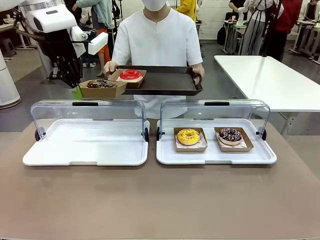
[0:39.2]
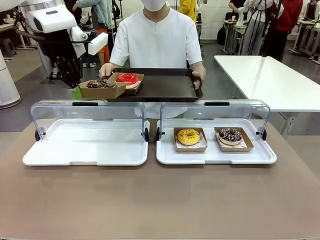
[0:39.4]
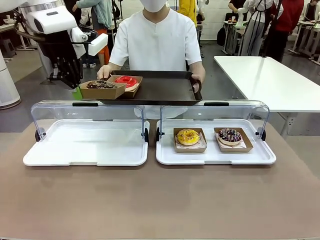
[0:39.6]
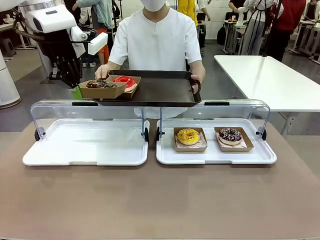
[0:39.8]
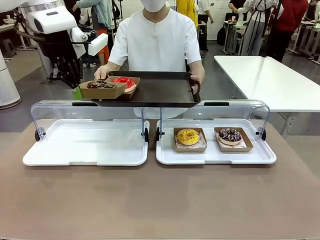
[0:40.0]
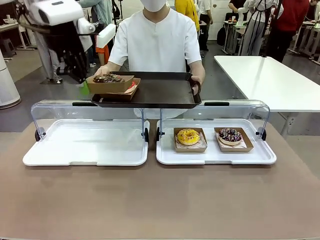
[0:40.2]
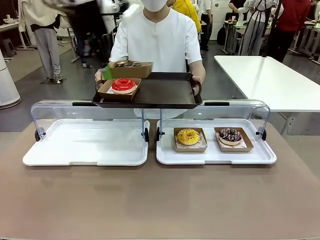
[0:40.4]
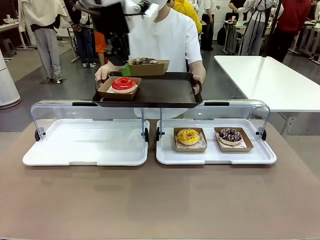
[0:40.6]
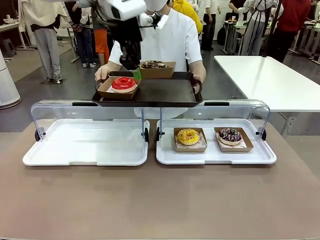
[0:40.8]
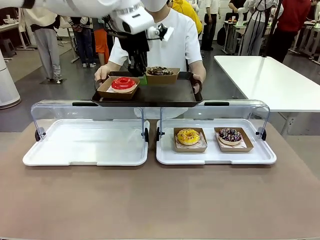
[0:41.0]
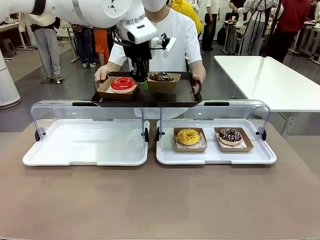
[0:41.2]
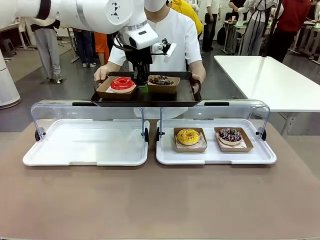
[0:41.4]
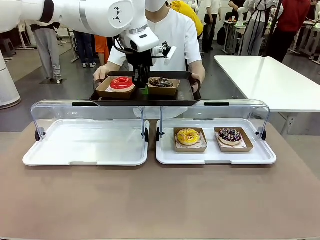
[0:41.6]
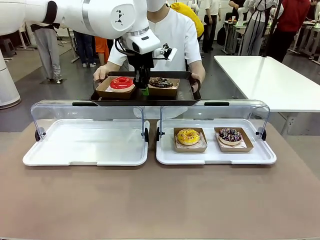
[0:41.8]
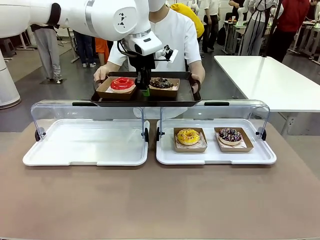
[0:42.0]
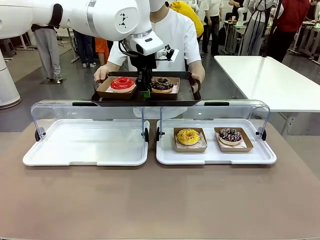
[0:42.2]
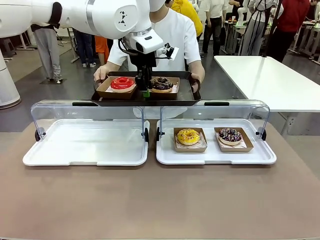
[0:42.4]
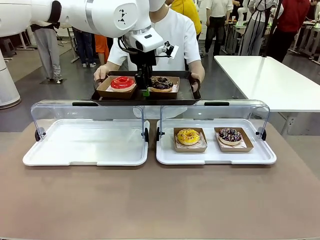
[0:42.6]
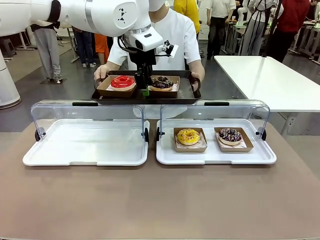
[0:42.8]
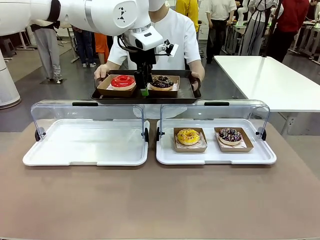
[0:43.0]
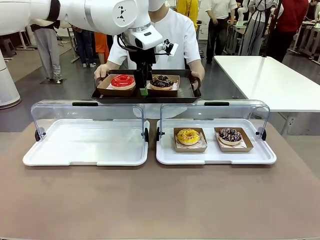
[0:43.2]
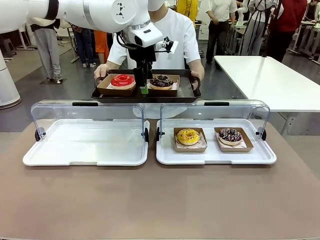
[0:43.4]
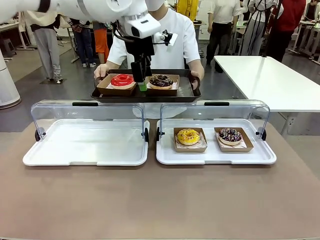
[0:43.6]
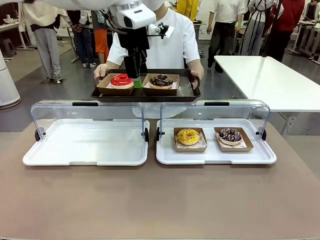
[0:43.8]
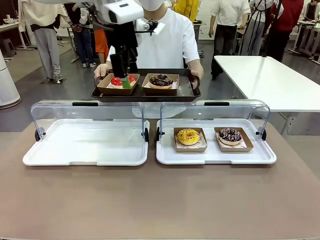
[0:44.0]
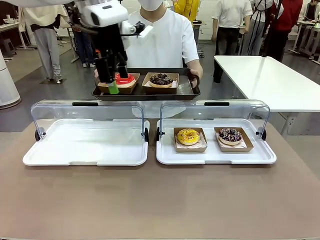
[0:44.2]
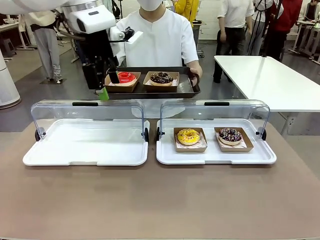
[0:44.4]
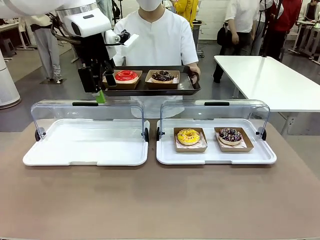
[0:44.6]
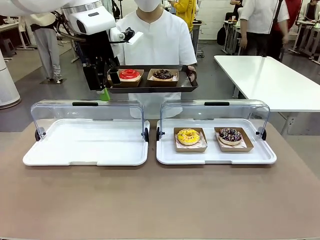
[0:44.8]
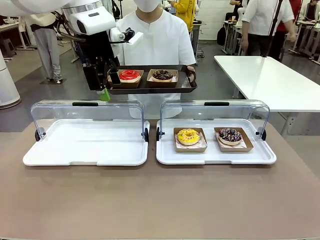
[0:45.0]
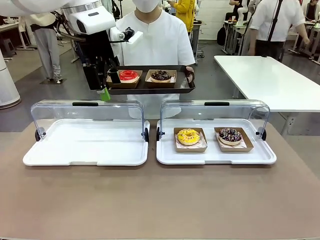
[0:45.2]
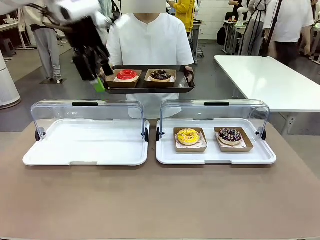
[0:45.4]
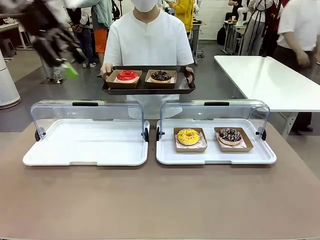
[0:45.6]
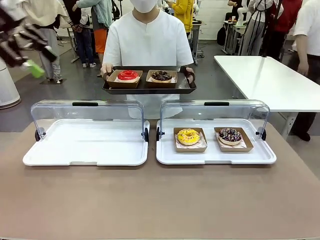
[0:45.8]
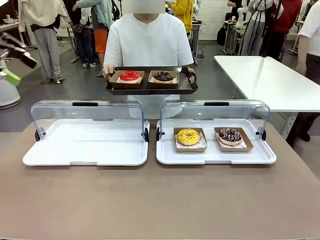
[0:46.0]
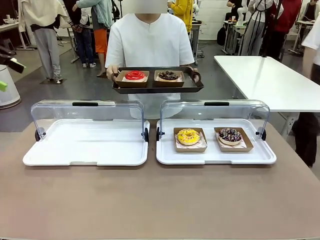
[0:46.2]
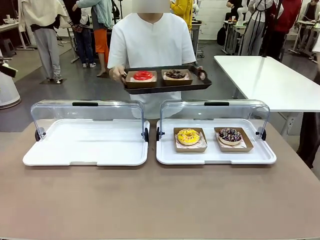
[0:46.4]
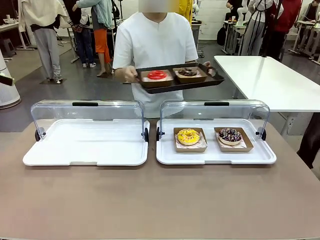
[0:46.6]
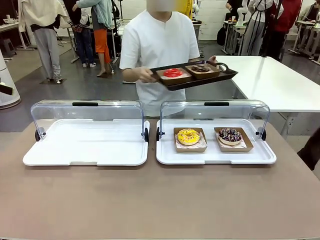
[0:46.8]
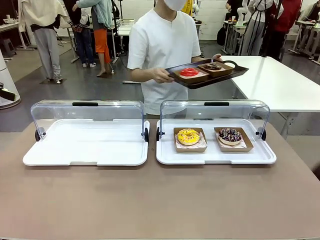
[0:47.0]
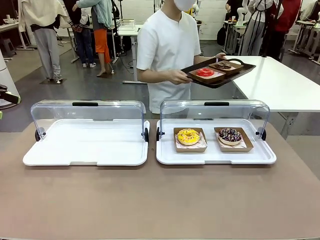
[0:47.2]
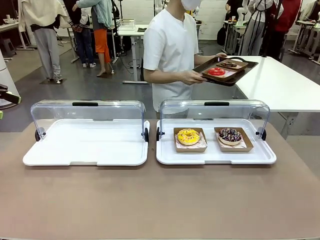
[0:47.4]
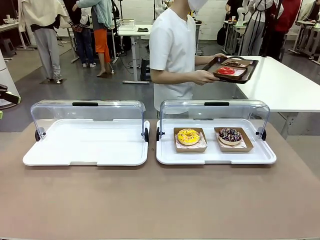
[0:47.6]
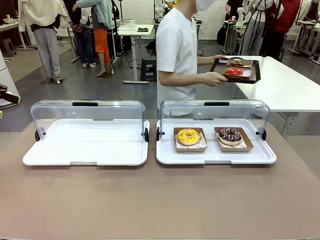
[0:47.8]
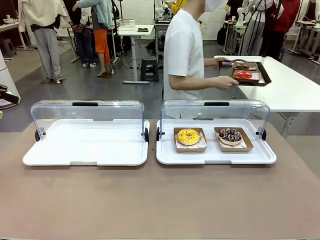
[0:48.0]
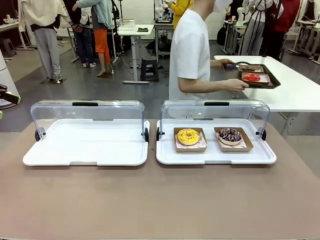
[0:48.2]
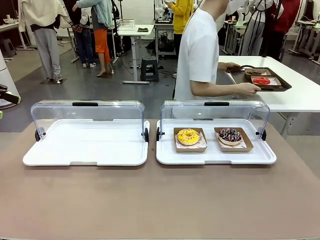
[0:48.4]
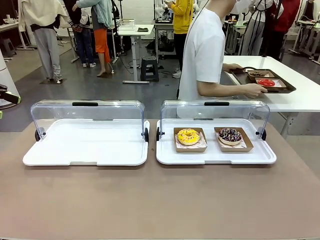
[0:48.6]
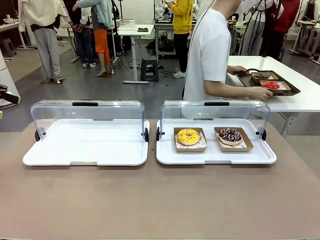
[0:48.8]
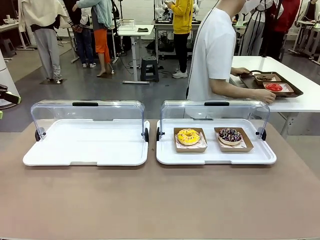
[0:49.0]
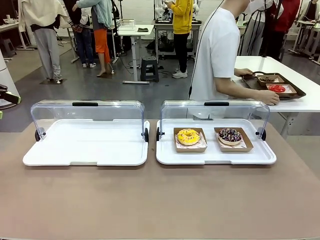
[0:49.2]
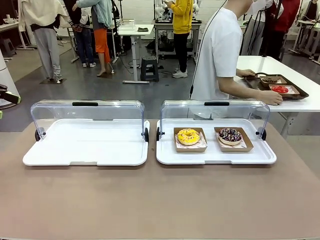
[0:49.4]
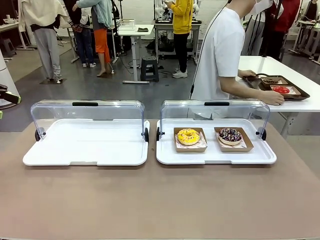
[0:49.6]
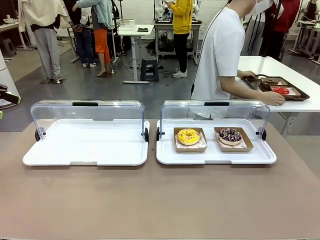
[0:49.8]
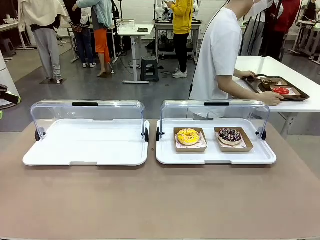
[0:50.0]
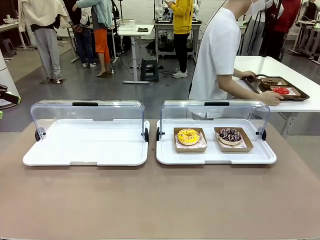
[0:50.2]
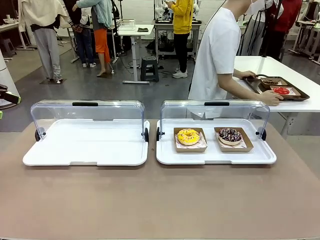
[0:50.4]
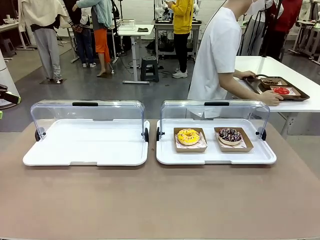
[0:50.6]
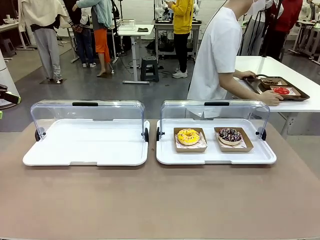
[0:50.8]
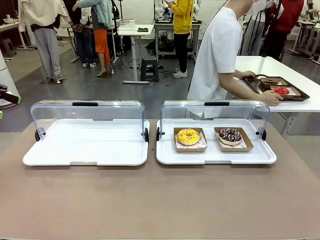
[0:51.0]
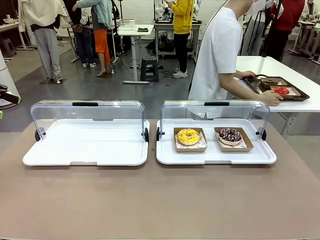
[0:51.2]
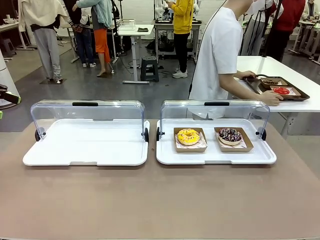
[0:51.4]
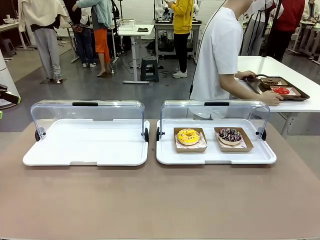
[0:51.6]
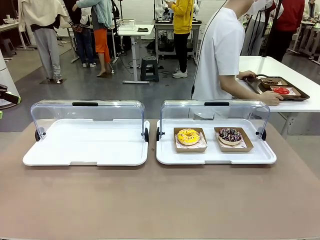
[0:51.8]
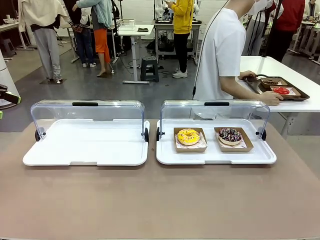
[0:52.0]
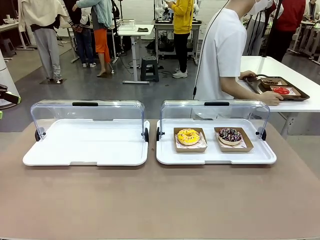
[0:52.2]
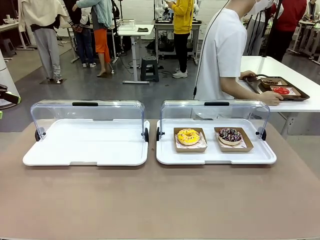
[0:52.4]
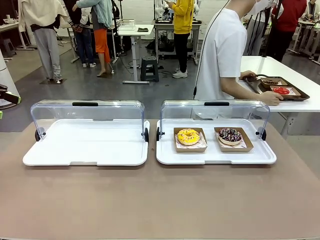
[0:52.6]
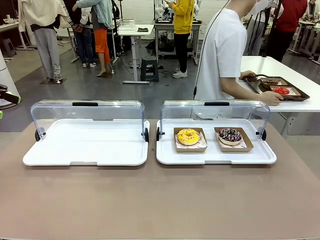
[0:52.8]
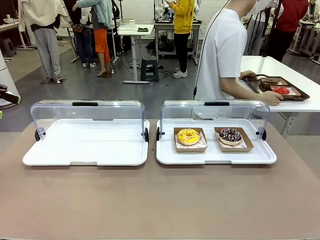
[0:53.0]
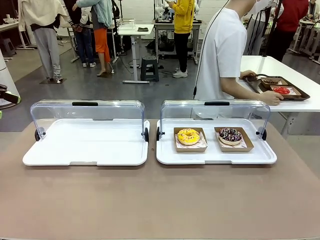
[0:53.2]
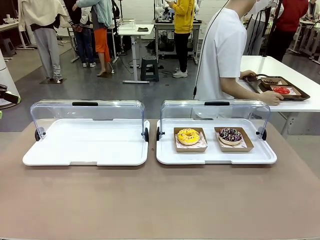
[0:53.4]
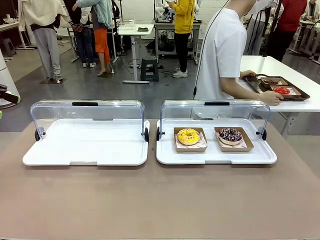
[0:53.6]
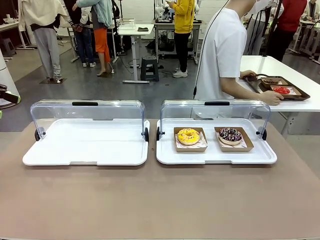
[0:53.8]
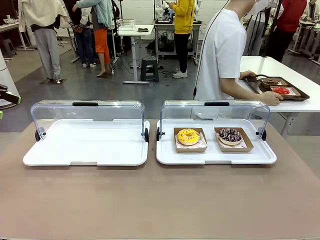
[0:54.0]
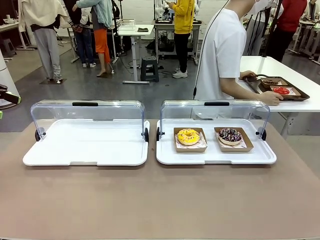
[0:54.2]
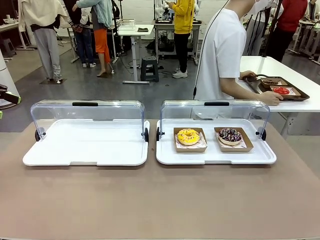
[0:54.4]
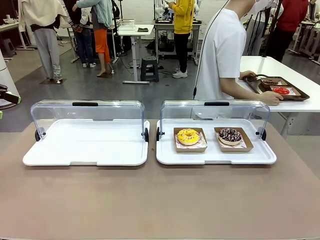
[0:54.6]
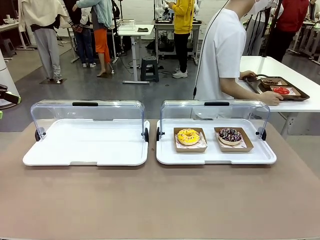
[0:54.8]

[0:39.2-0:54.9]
Task: Provide the desired donut to the person.
Robot: Place the picked Paper togo box onto the Handle tray extended by the person.
Person: Place the tray in the middle of the human table.

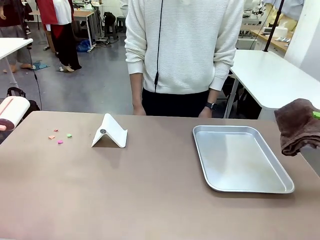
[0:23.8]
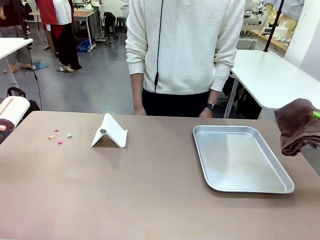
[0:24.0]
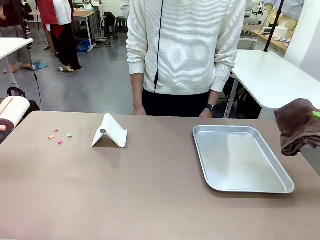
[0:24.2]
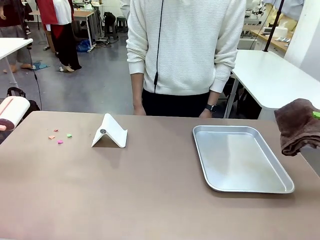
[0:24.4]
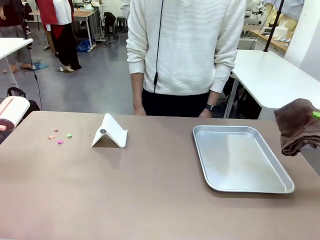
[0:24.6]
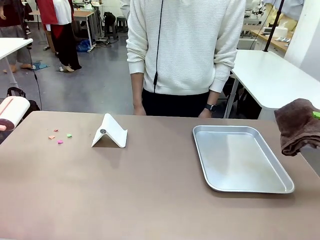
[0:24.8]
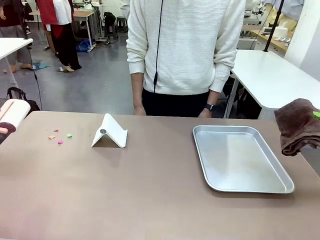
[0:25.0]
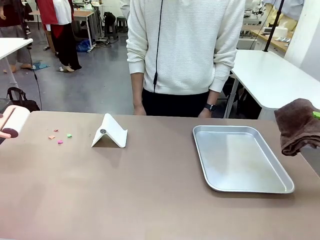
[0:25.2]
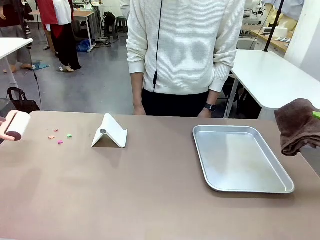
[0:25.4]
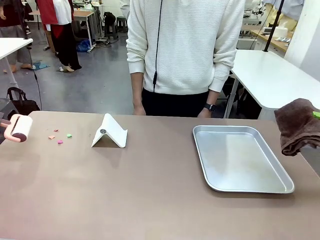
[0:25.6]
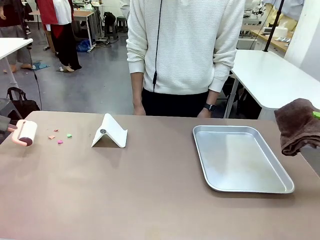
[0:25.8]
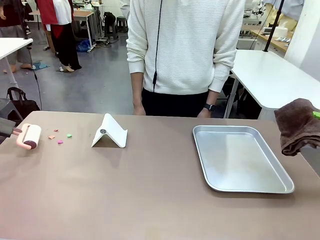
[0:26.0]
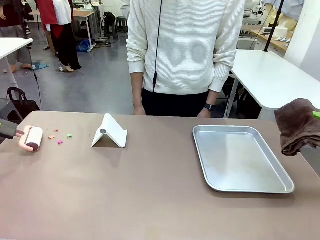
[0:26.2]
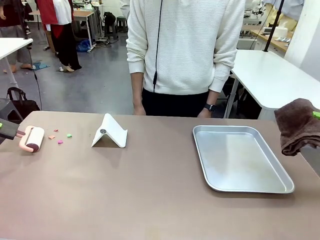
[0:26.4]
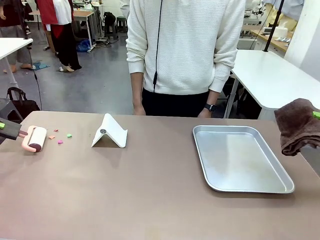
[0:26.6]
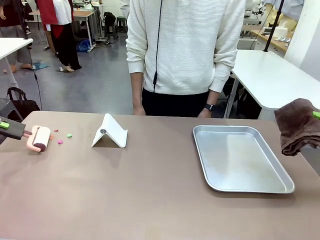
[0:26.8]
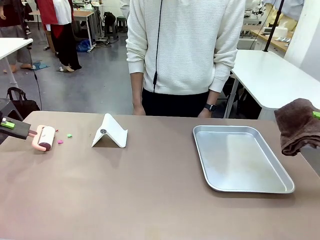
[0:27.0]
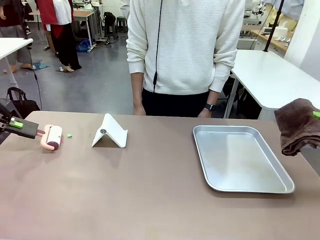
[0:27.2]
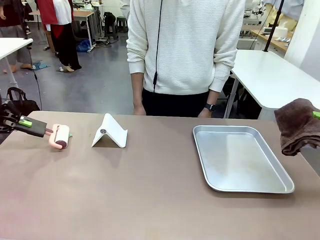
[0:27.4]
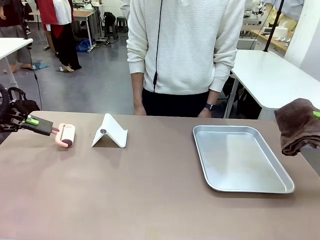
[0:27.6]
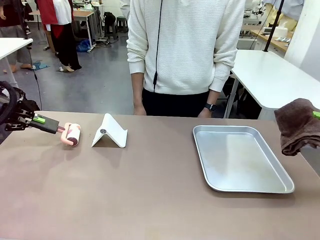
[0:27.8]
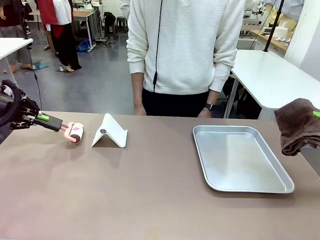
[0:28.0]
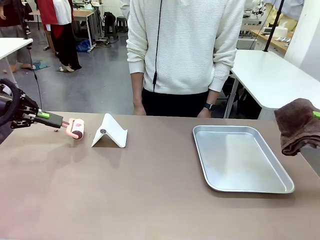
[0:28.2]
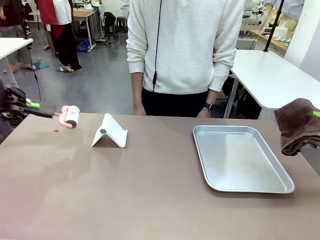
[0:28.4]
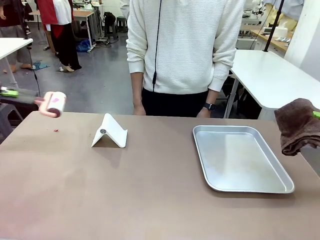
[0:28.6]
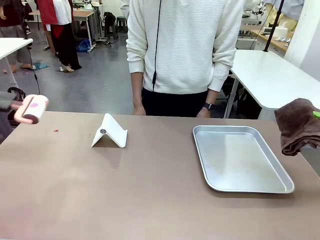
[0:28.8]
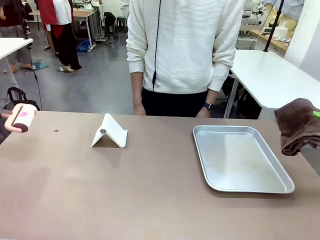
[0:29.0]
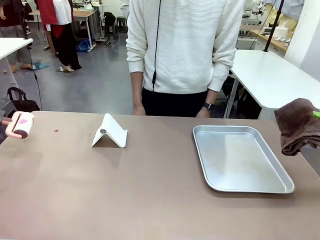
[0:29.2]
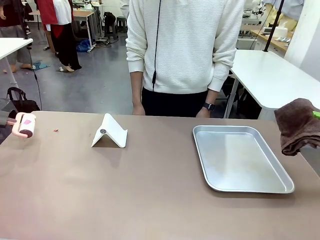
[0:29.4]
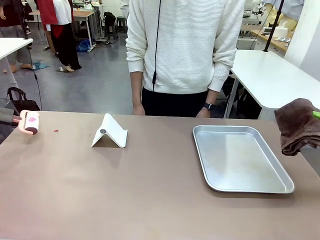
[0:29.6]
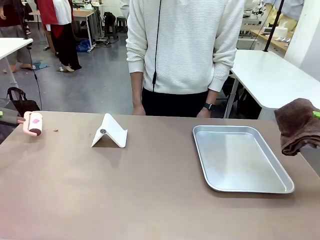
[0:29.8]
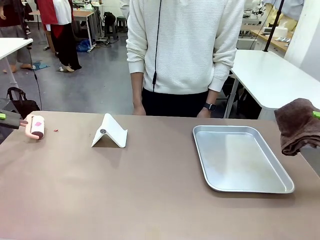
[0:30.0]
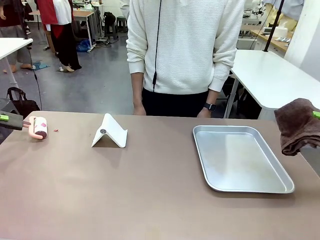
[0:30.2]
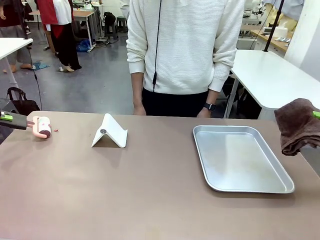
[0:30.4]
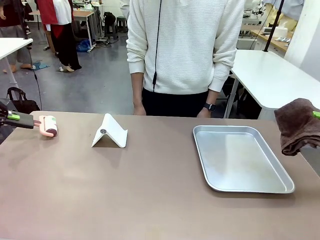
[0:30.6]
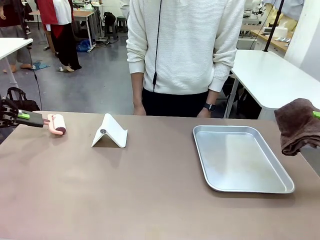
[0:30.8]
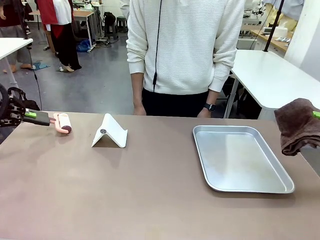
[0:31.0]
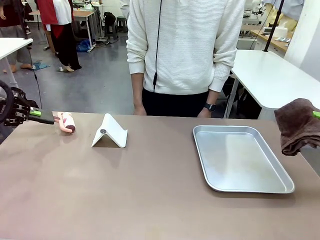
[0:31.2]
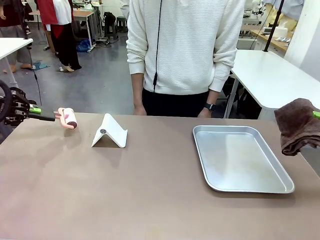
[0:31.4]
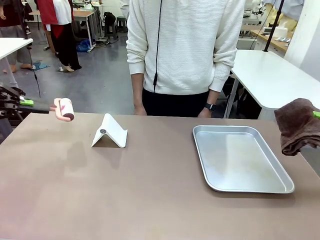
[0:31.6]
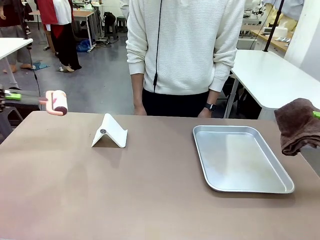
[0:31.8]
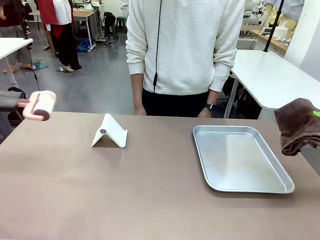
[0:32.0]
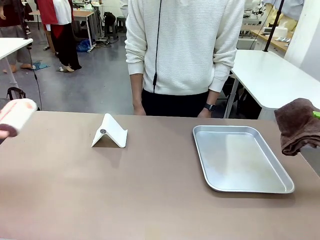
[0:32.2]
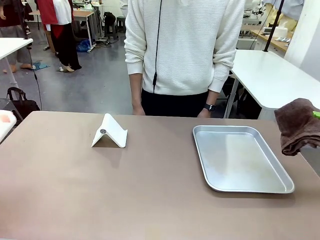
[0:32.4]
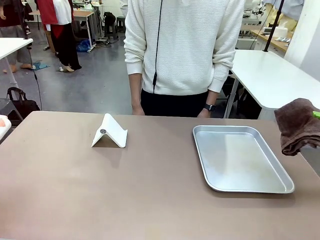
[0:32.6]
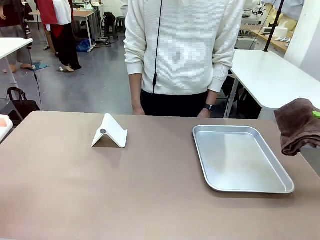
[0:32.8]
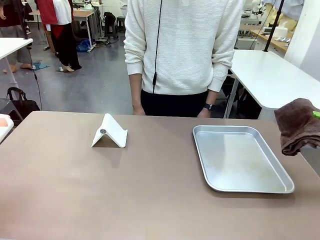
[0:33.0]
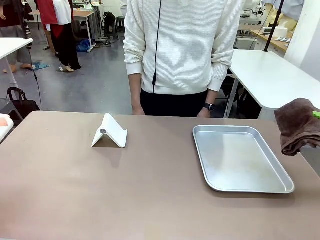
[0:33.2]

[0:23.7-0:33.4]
Task: Clean the surface of the table.
Robot: Clean the area not pointed to by the person.
